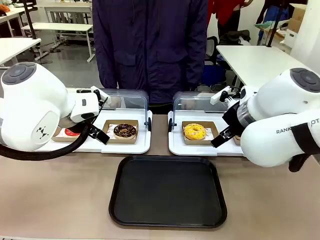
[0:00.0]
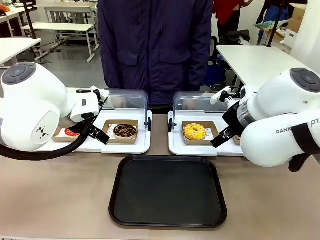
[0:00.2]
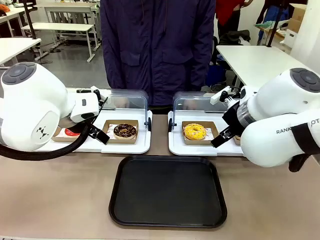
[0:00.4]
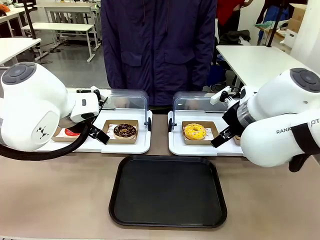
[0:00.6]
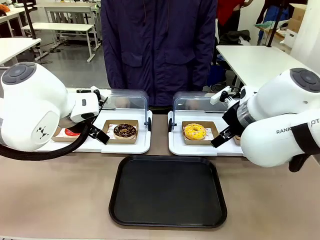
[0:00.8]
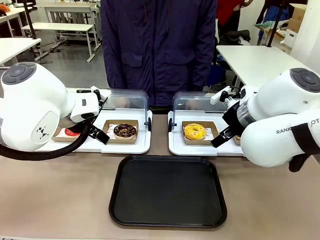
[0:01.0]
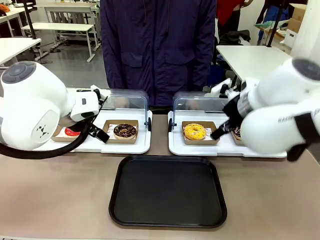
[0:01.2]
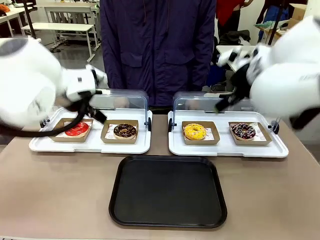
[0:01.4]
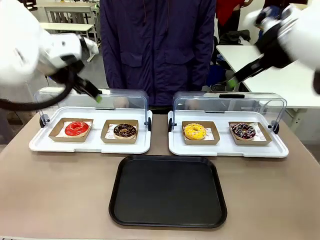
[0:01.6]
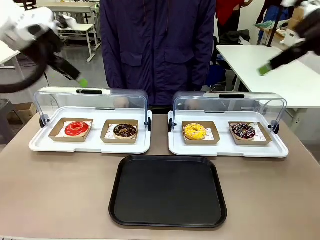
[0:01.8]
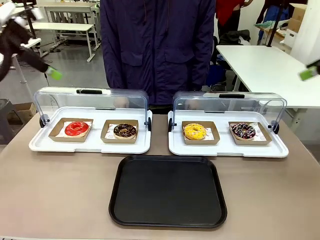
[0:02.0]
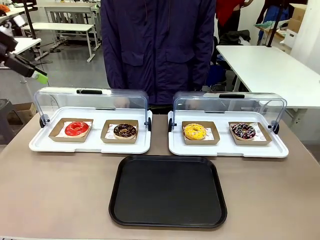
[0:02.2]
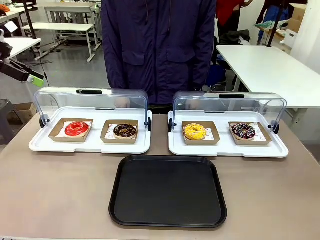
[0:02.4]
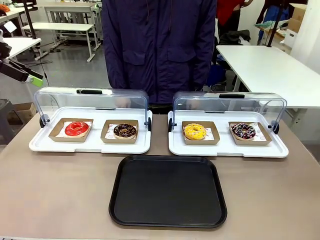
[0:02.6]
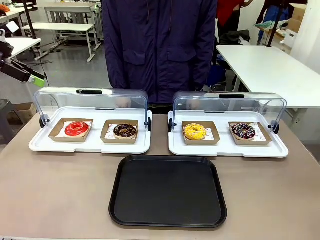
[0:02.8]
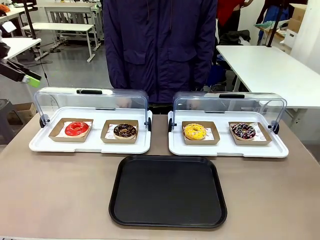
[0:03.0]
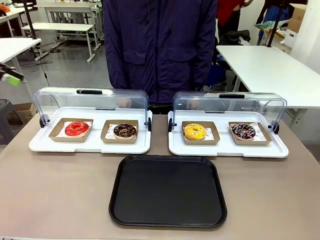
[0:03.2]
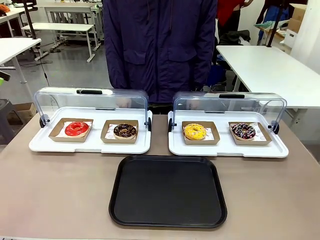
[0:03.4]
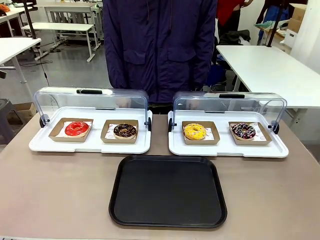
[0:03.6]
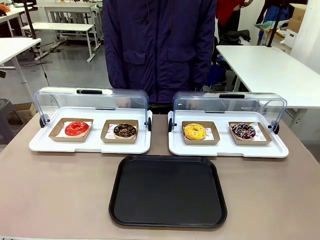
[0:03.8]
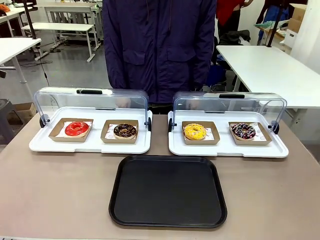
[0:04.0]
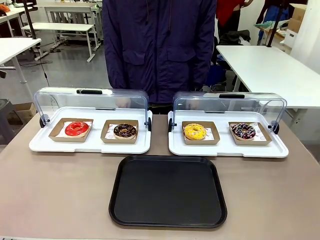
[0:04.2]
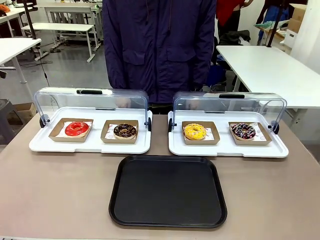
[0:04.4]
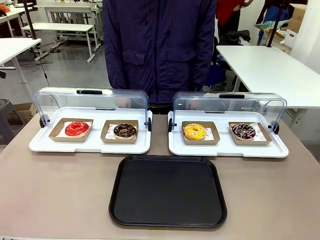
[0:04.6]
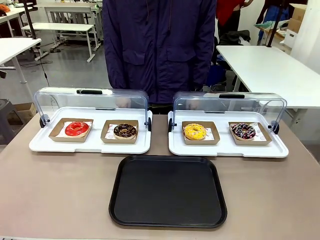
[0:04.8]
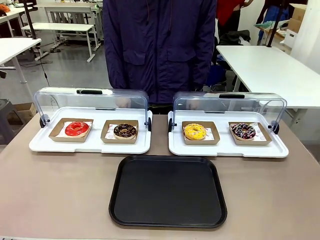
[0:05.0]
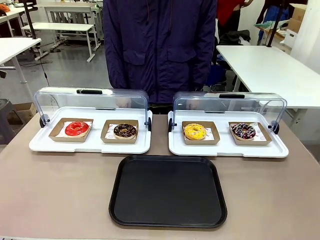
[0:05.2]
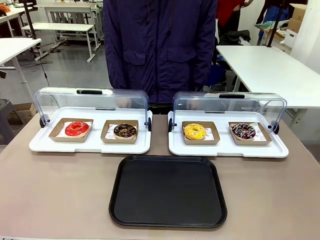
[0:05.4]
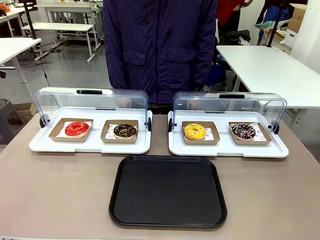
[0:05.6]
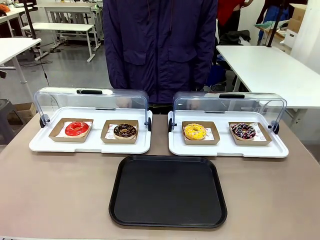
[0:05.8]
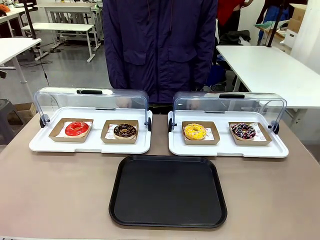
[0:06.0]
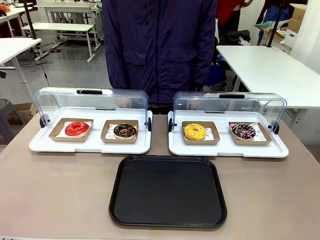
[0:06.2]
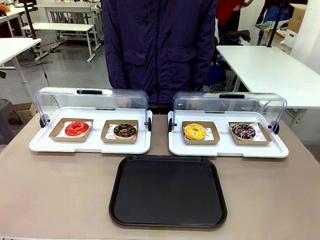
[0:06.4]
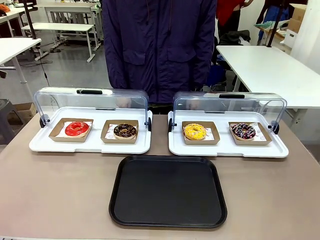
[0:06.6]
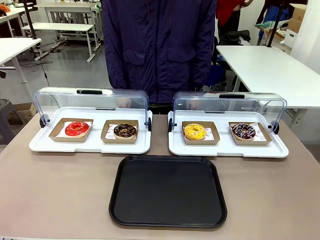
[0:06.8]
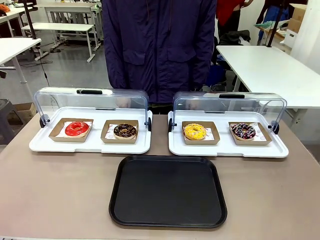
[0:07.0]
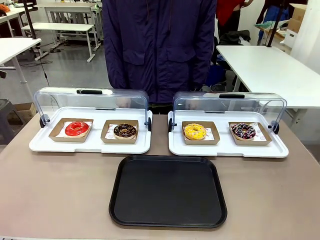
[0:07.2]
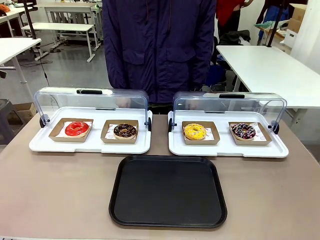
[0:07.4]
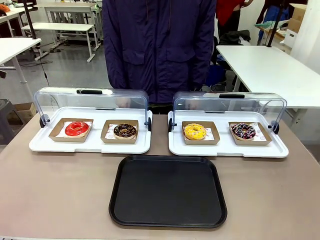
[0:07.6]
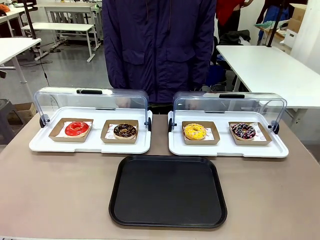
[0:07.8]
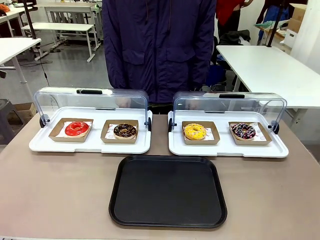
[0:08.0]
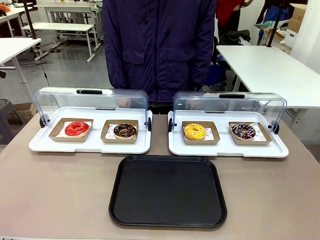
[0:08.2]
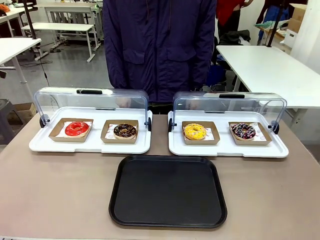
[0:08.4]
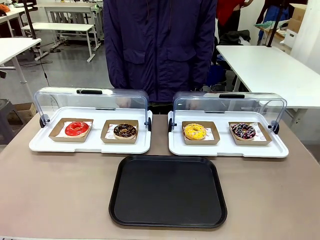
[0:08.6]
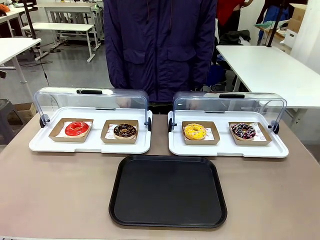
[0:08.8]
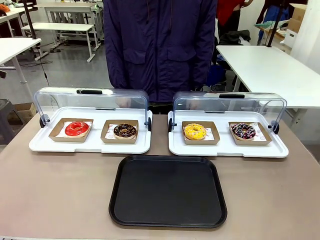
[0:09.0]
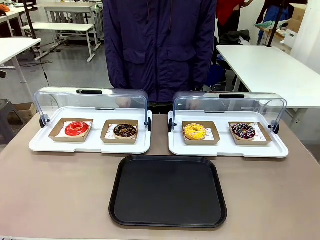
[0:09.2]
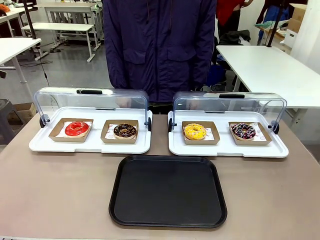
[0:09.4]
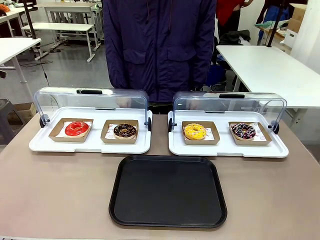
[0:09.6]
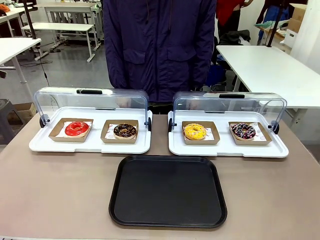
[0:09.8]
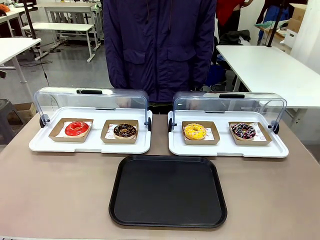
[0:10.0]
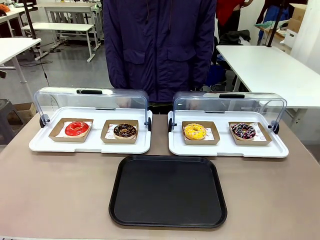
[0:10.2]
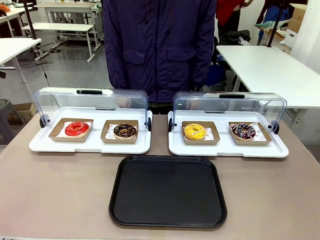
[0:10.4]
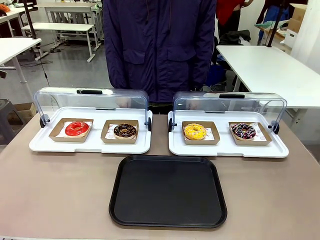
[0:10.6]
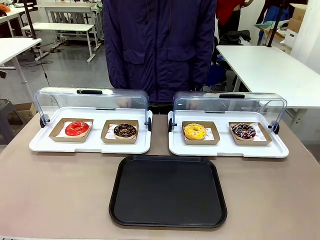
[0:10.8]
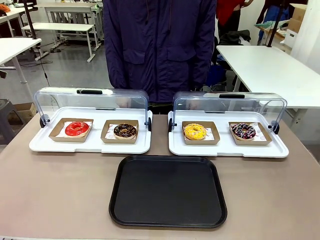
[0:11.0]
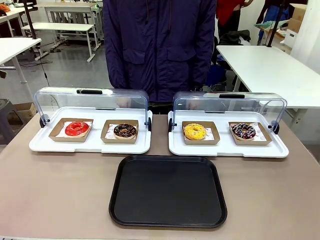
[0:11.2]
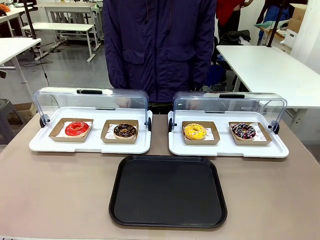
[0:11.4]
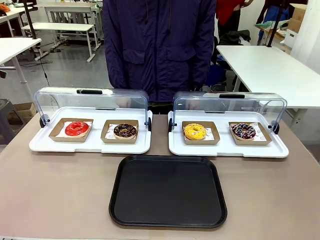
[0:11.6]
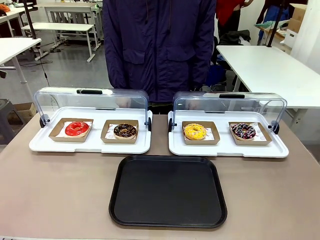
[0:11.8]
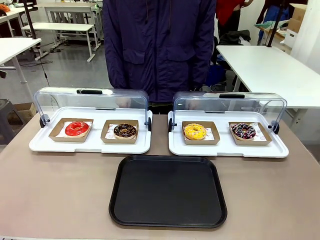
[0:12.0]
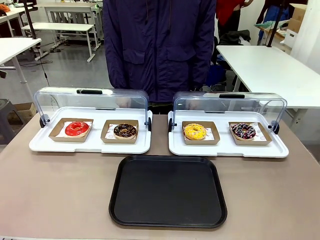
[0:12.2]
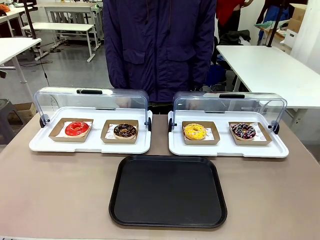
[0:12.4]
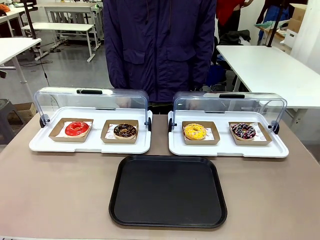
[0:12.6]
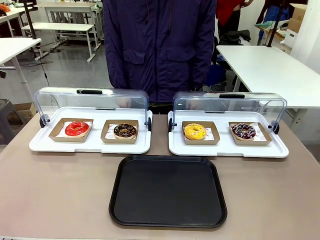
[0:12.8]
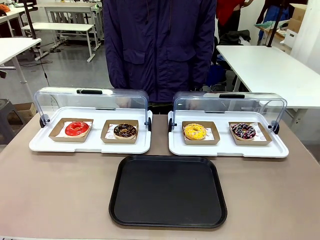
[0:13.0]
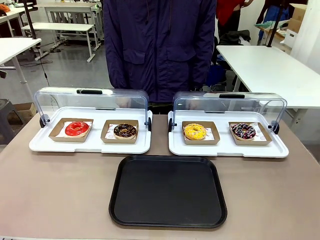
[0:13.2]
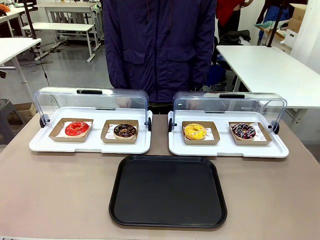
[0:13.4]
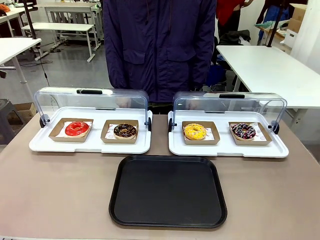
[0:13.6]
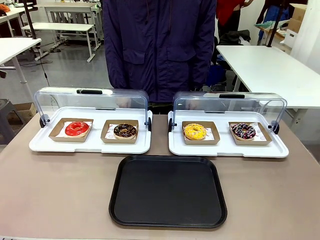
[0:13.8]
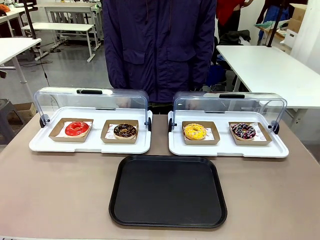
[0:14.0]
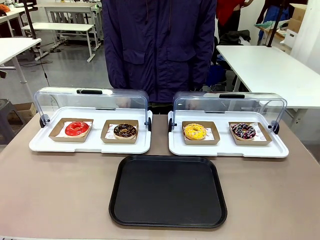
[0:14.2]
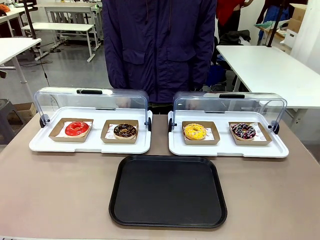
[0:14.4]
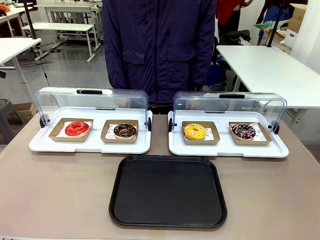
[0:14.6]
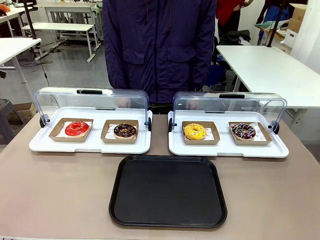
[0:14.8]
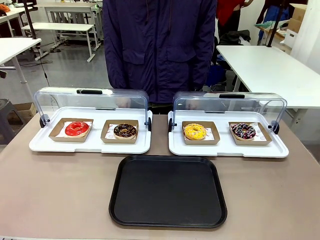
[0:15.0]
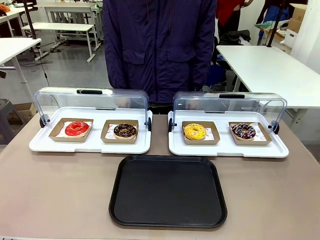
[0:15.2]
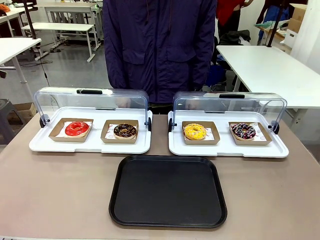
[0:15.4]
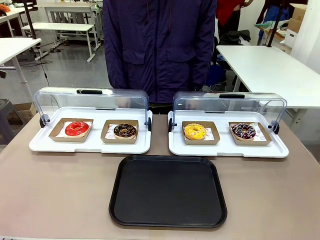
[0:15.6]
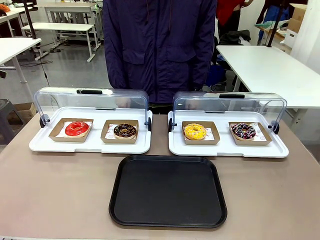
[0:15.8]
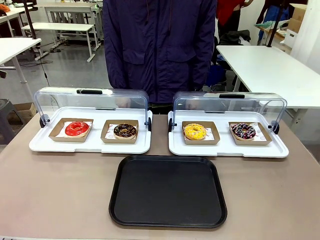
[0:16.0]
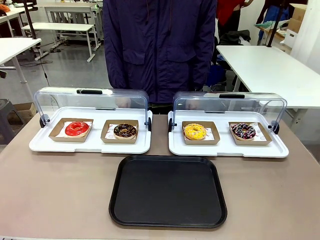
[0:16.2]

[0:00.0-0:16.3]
Task: Move the first donut from the left to the tray.
Robot: Pick up the Paper togo box containing the Donut indicated by the person and place it on the Handle tray.
